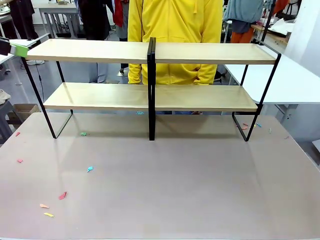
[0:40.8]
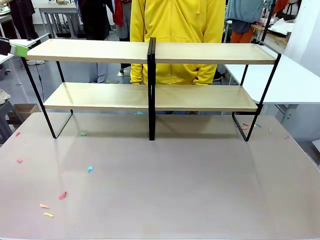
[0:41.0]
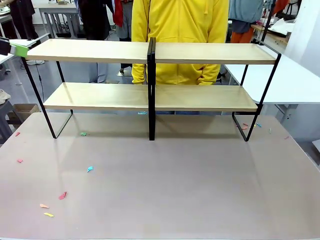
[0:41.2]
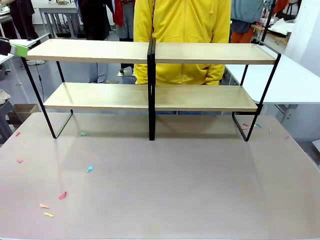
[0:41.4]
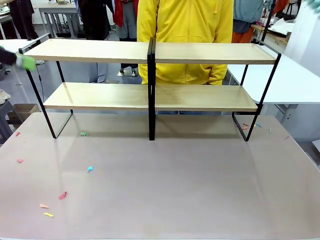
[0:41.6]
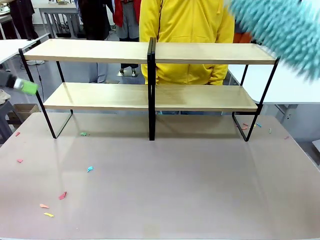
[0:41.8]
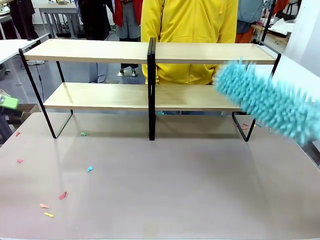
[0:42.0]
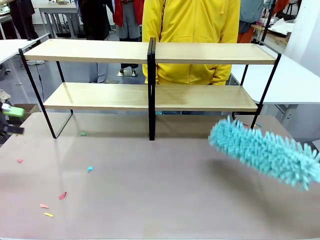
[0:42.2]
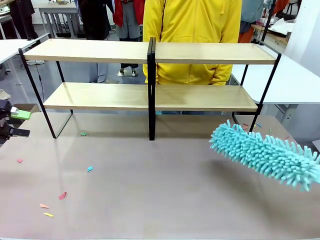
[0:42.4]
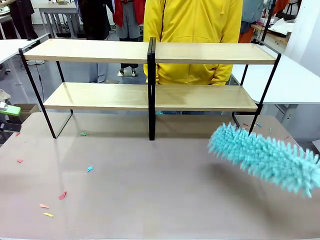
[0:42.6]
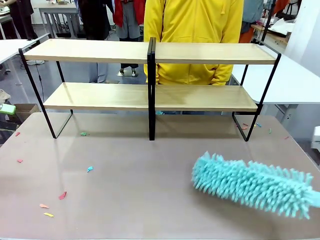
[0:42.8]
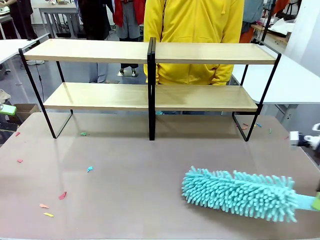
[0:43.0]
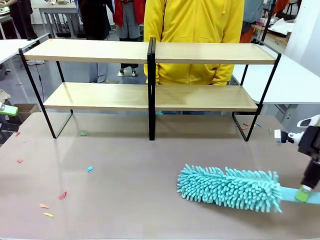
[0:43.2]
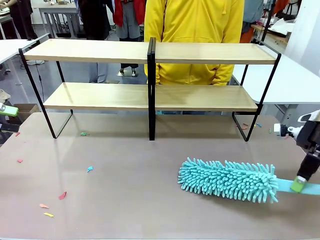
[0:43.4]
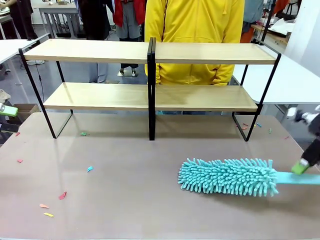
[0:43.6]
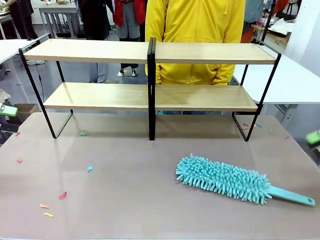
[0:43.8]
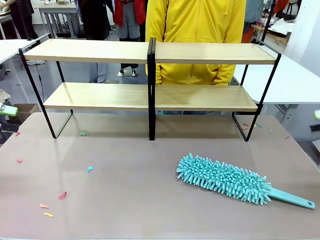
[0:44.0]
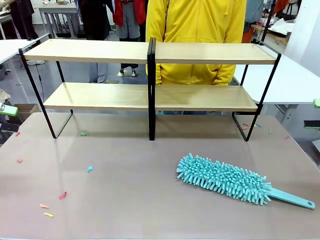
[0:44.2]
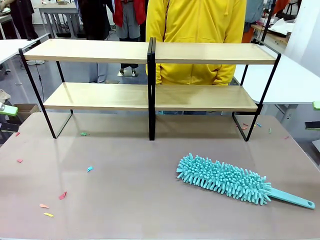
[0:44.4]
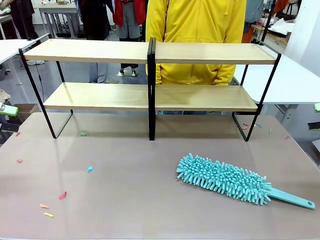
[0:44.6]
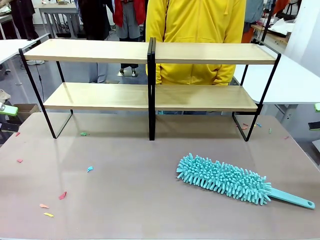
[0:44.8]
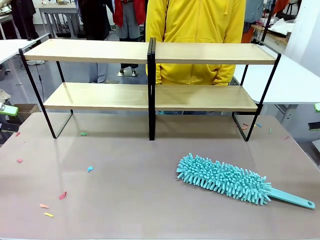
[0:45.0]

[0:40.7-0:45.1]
Task: Clean the shelves.
Robot: Place the Duster on the table.

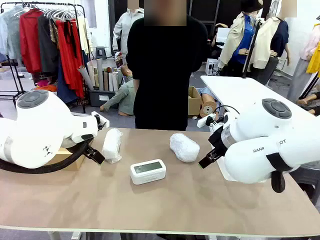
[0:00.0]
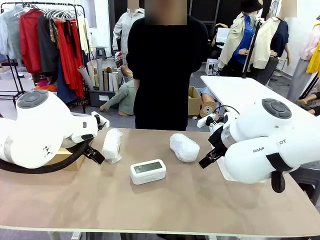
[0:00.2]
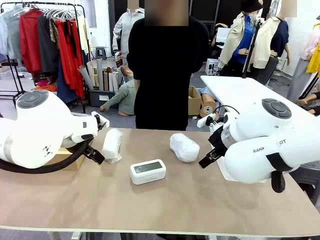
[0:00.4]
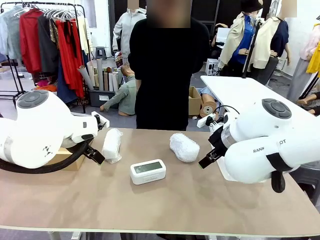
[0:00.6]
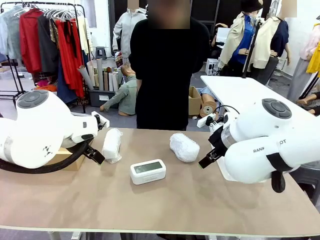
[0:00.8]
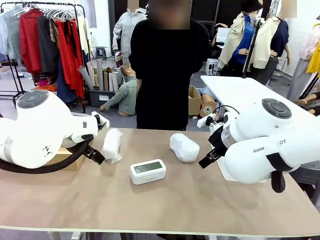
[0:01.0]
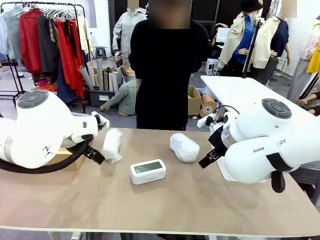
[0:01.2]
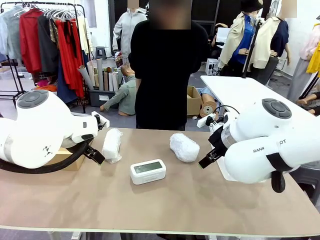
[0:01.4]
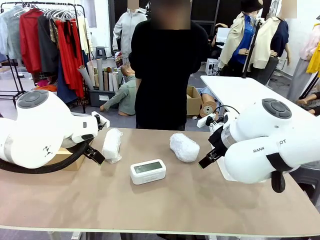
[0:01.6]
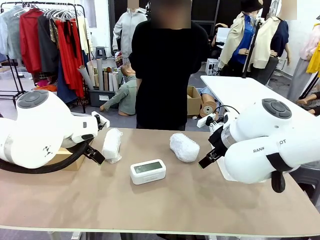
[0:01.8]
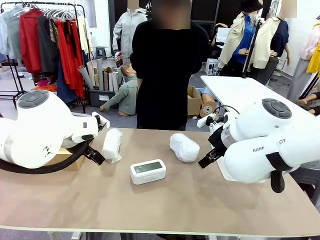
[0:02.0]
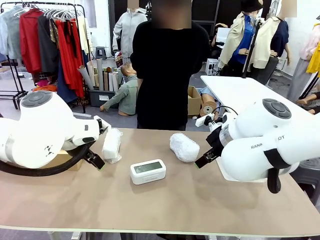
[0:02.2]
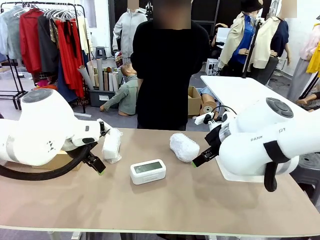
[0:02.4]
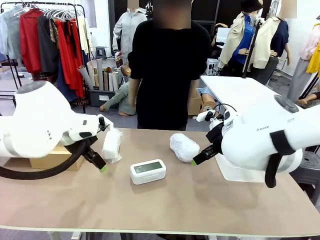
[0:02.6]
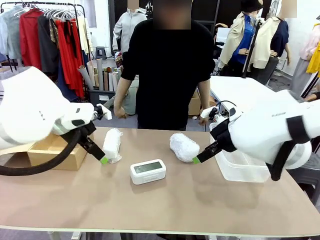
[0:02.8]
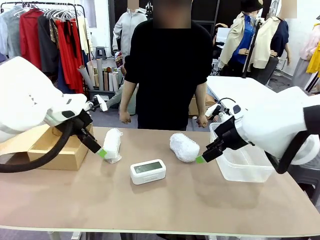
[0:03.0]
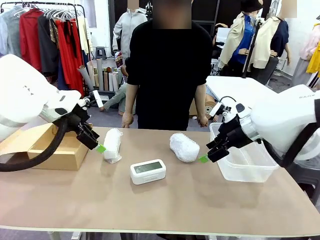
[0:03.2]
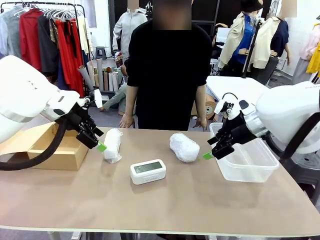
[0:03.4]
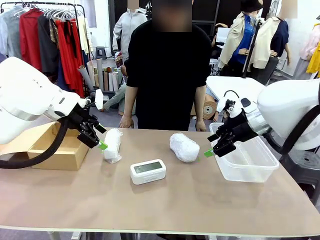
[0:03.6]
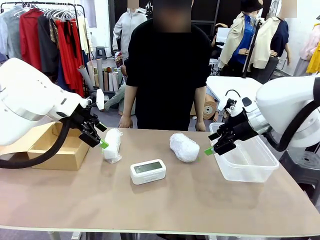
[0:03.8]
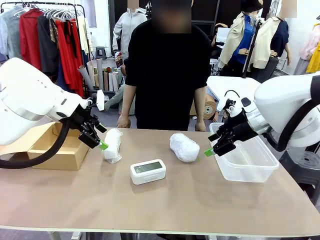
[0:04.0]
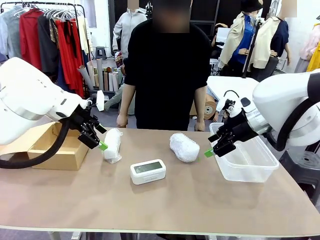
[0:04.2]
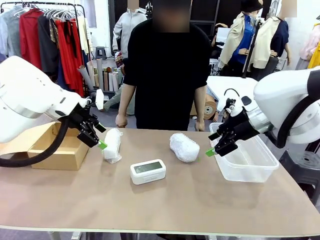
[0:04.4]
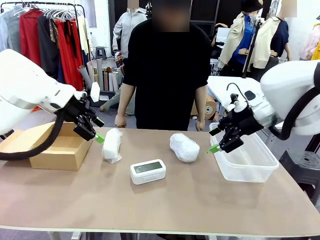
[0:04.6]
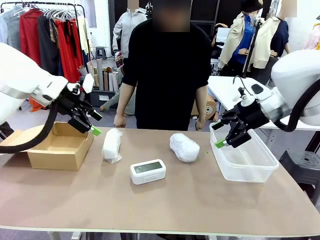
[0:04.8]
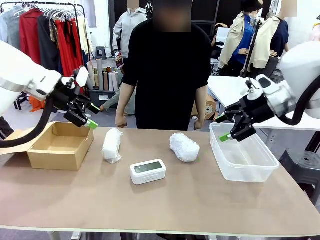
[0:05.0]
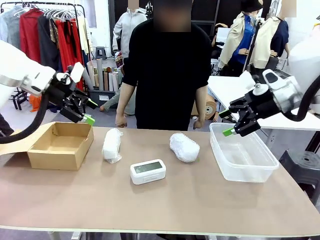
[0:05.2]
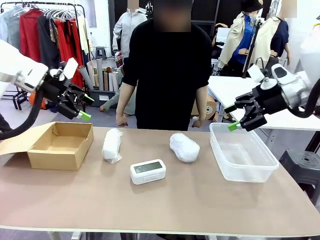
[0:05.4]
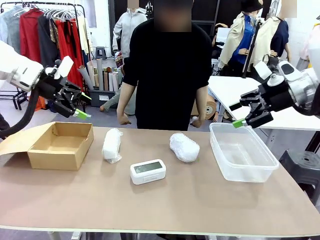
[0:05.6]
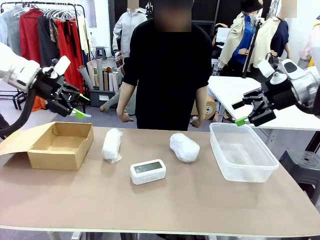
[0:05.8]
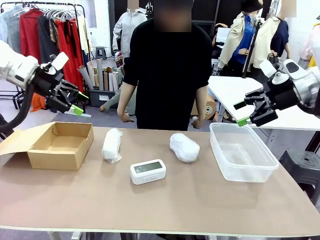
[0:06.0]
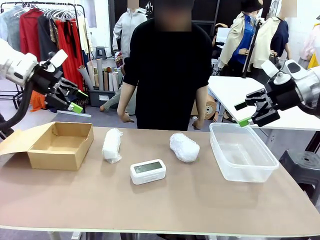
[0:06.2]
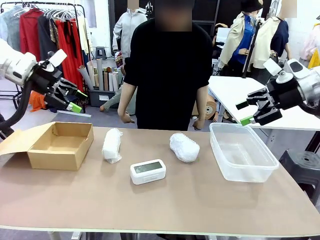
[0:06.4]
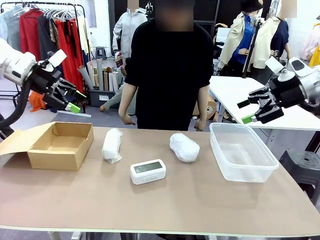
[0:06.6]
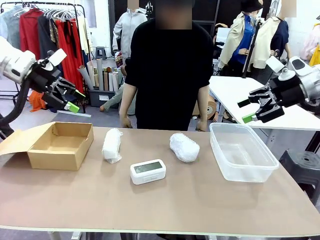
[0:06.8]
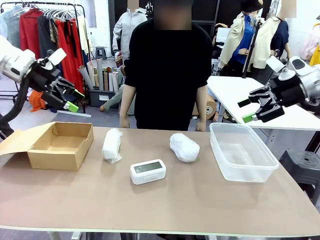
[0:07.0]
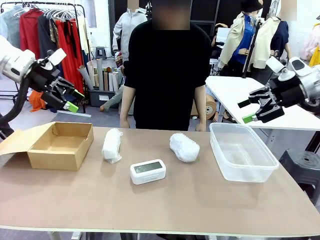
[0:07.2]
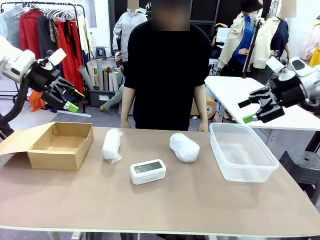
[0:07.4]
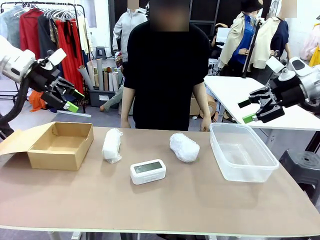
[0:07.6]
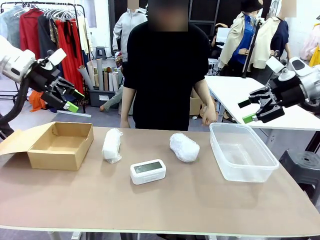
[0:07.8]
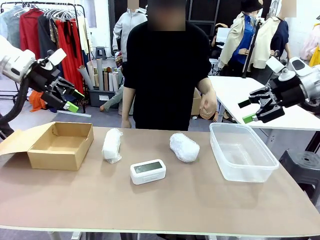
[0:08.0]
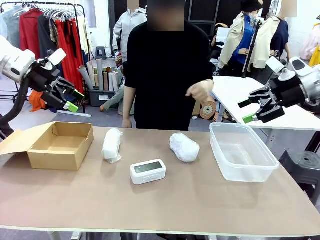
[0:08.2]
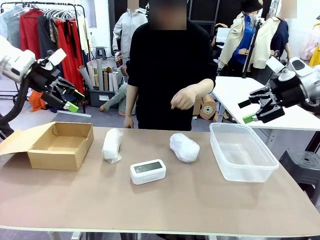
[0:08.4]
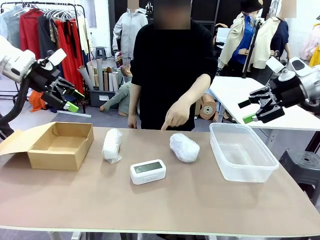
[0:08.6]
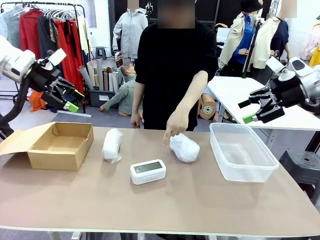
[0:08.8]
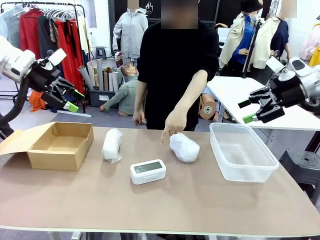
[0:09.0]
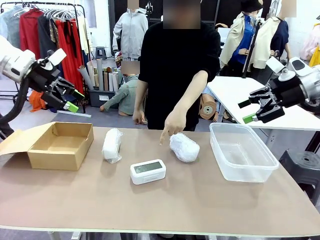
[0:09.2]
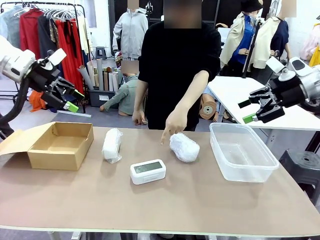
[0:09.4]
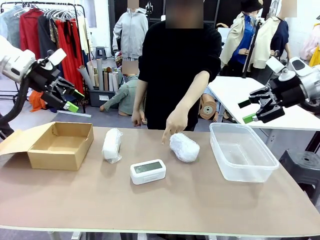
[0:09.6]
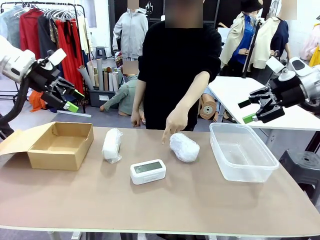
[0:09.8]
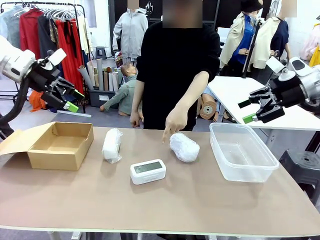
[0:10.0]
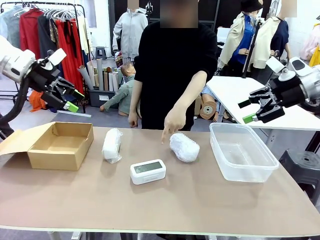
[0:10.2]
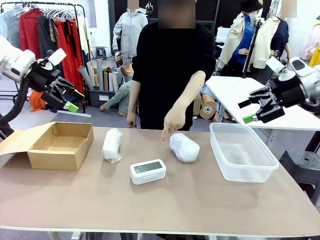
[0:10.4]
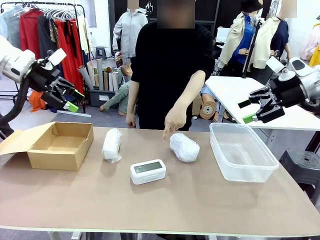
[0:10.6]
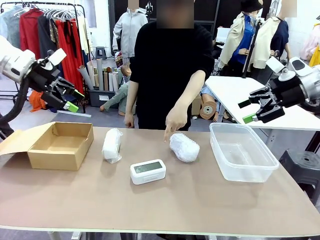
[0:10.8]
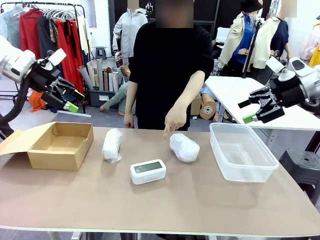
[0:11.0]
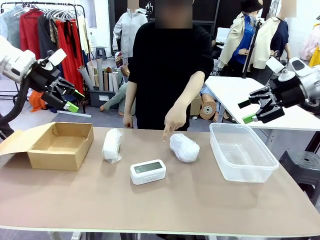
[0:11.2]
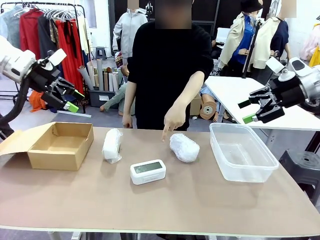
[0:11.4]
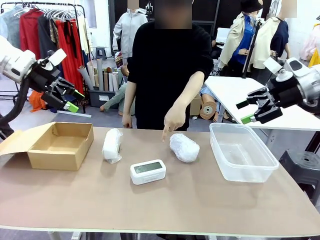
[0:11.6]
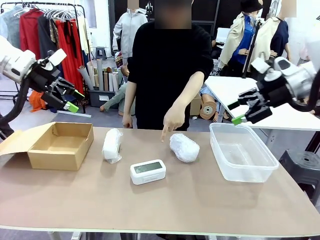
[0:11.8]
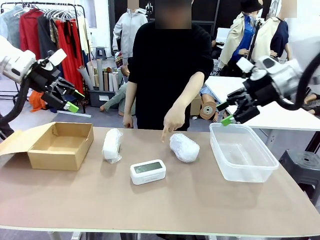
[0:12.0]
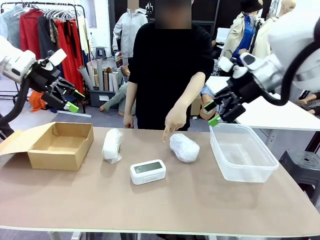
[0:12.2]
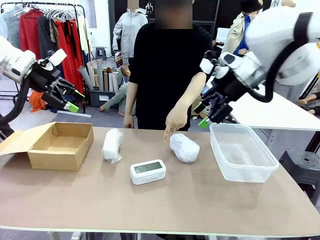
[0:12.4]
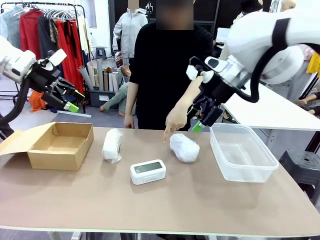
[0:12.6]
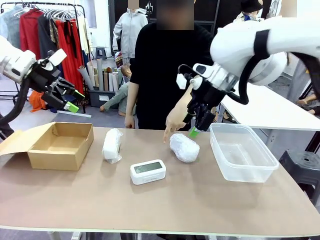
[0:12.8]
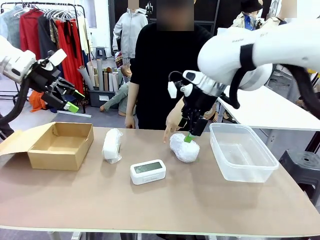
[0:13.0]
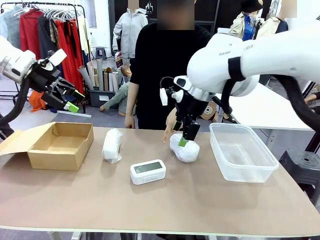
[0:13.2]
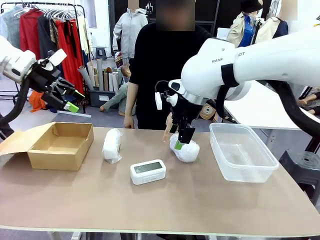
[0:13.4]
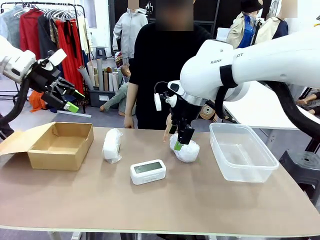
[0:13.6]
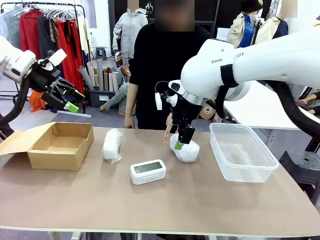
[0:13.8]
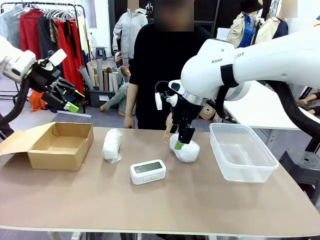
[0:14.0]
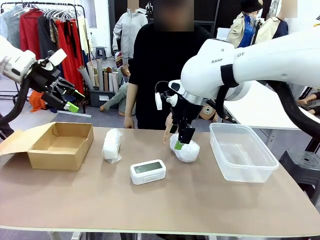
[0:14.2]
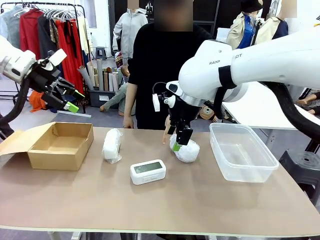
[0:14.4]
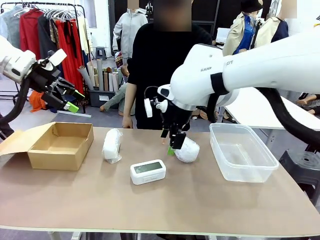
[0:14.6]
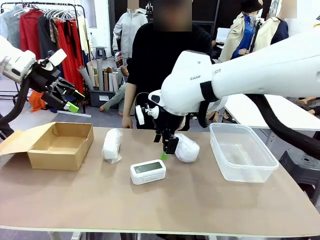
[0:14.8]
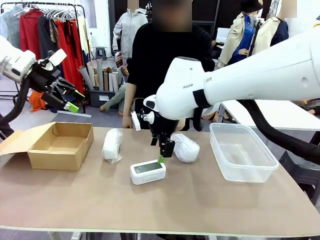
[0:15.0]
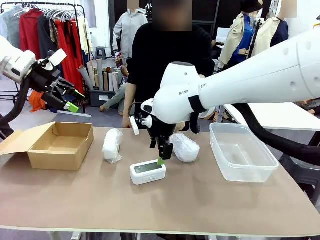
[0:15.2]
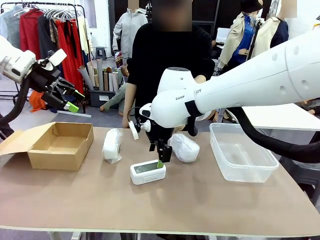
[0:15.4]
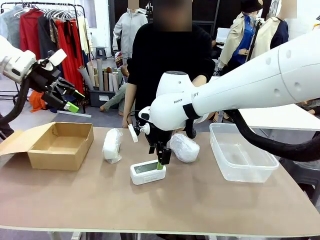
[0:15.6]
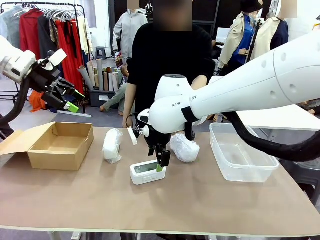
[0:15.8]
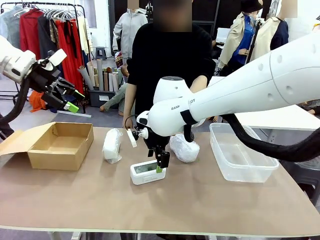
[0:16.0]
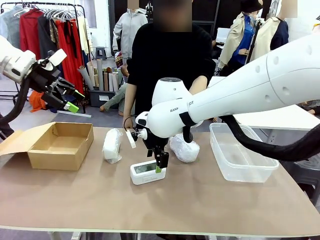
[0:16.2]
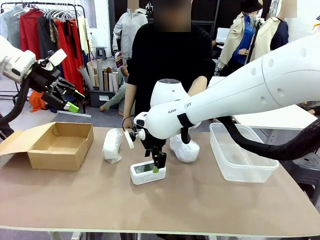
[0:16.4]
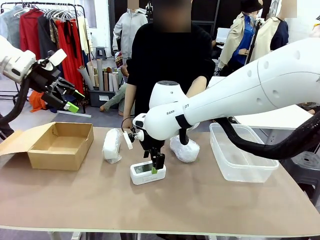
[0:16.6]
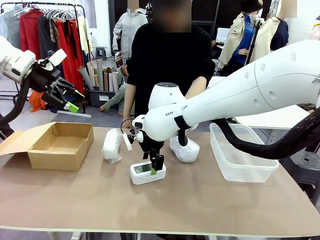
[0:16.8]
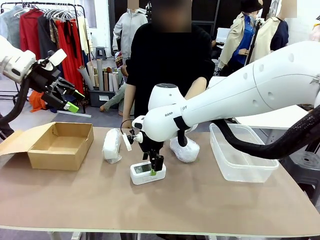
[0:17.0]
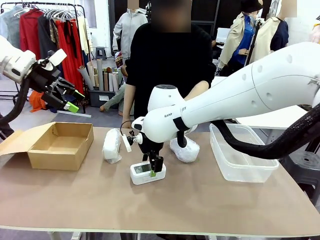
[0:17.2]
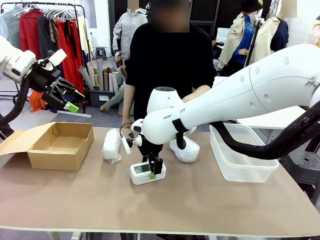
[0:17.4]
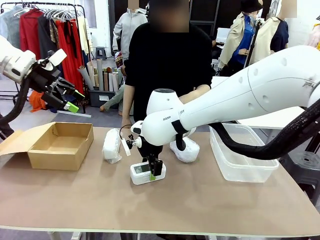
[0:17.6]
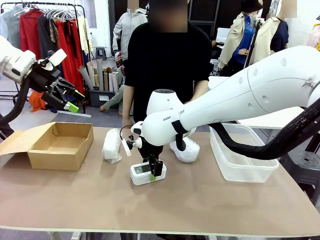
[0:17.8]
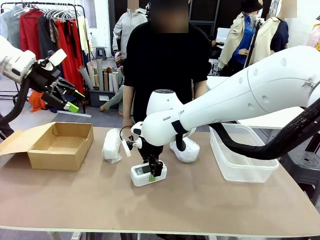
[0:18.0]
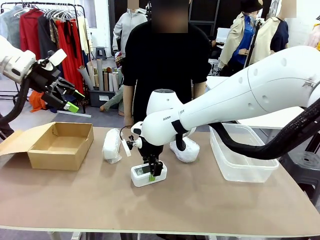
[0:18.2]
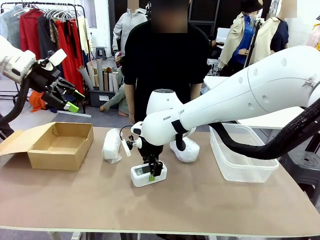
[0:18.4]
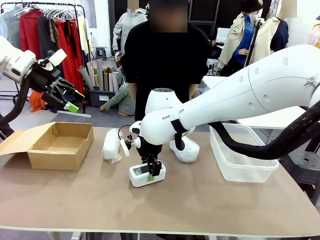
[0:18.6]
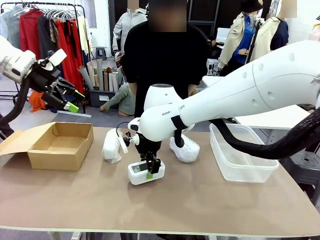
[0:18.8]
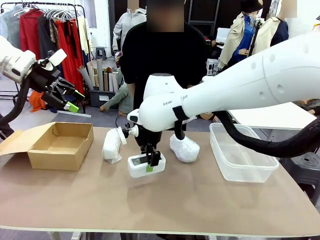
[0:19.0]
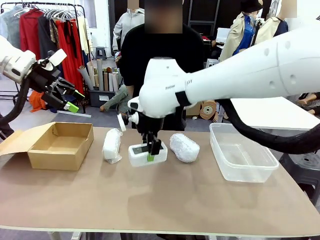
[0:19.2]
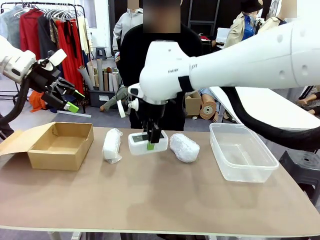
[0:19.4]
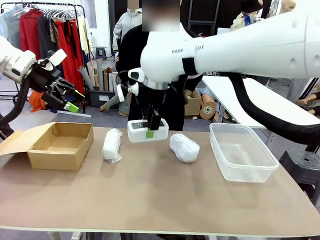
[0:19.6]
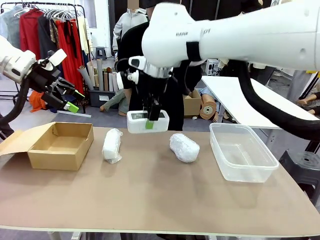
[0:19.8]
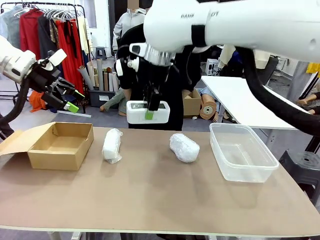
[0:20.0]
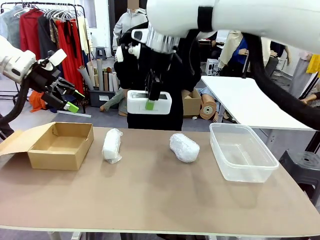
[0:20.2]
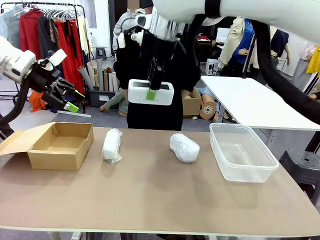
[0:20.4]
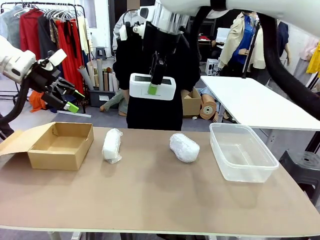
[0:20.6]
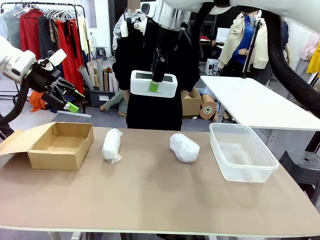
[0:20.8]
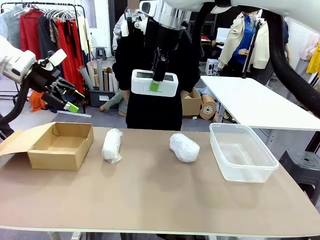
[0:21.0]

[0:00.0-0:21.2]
Task: Separate and place wrapped and unwrapped clocks.
Robot: Pick up the Digital clock indicated by the person.
